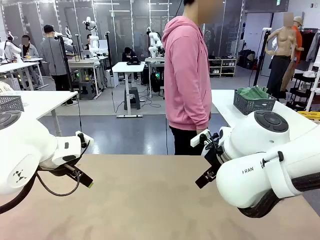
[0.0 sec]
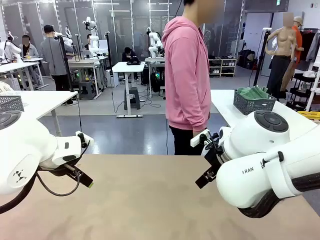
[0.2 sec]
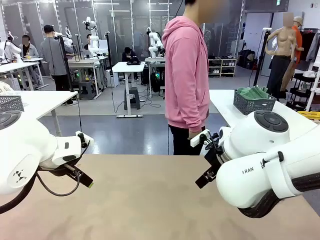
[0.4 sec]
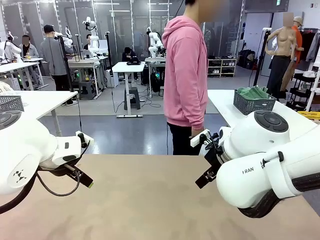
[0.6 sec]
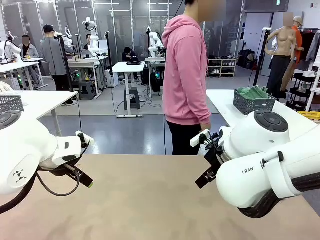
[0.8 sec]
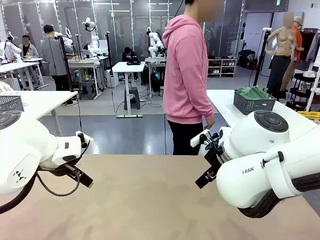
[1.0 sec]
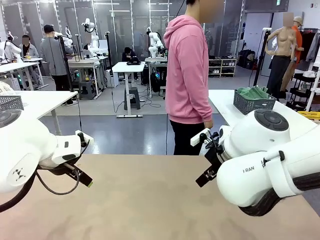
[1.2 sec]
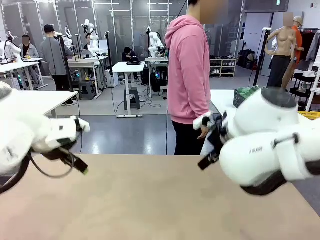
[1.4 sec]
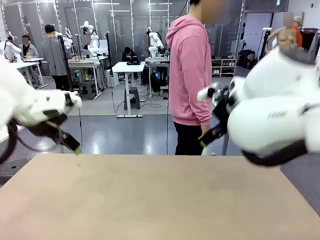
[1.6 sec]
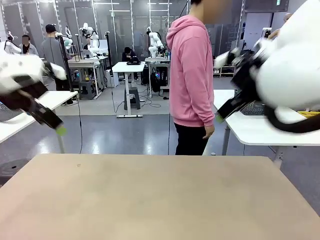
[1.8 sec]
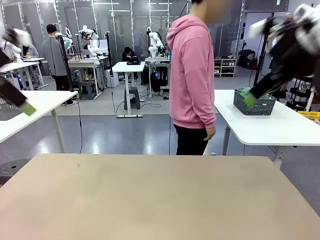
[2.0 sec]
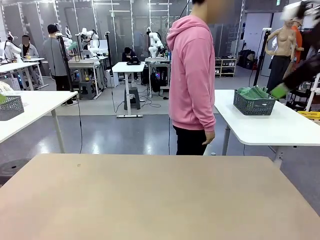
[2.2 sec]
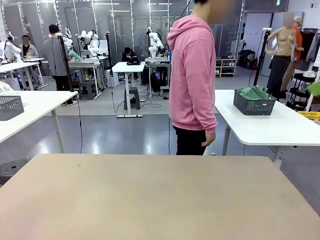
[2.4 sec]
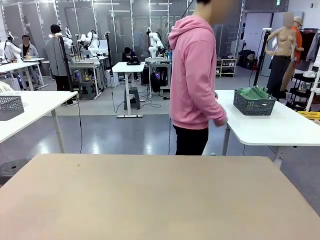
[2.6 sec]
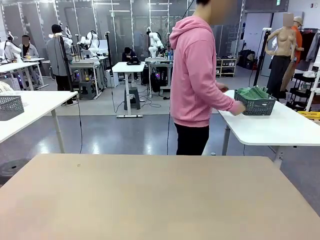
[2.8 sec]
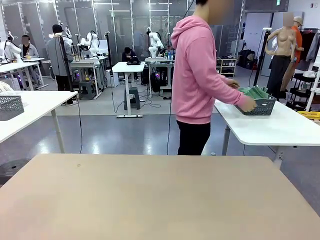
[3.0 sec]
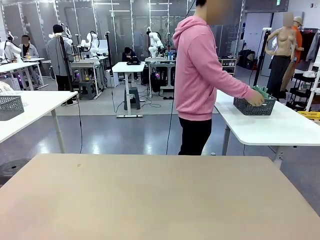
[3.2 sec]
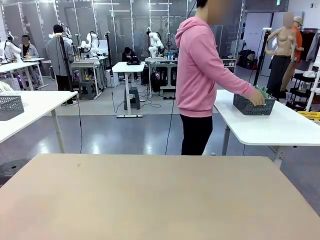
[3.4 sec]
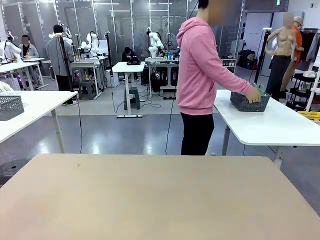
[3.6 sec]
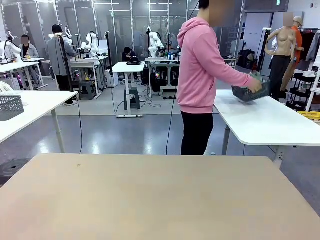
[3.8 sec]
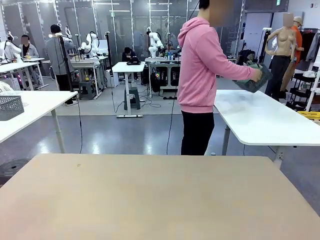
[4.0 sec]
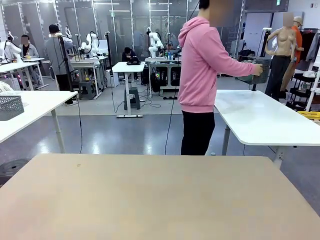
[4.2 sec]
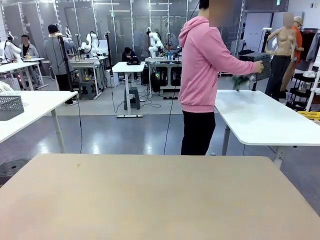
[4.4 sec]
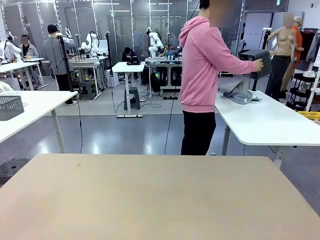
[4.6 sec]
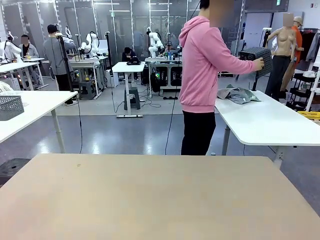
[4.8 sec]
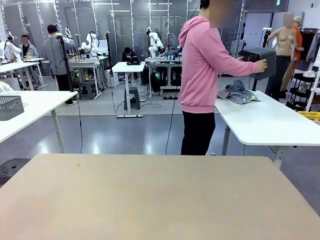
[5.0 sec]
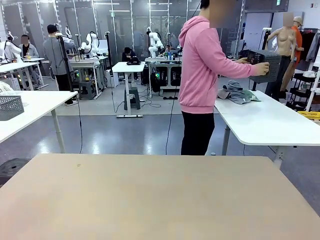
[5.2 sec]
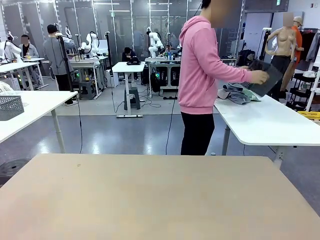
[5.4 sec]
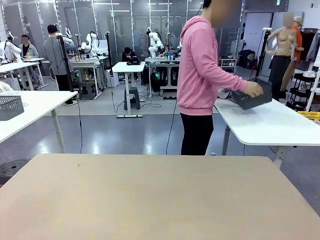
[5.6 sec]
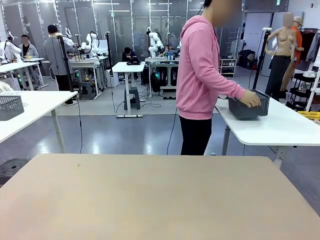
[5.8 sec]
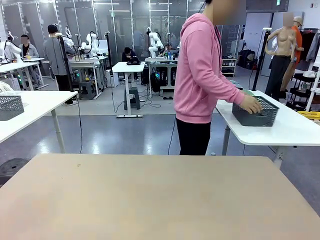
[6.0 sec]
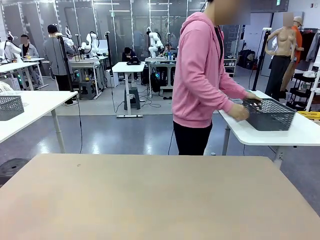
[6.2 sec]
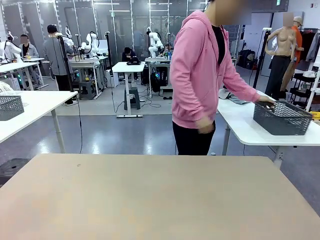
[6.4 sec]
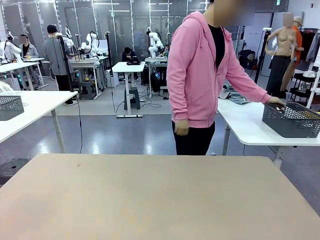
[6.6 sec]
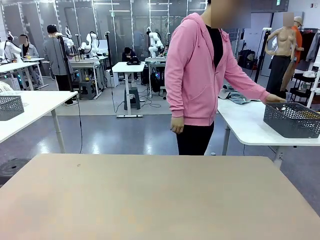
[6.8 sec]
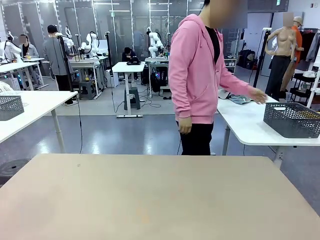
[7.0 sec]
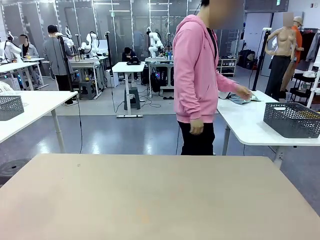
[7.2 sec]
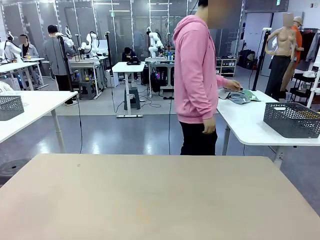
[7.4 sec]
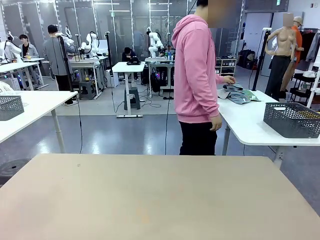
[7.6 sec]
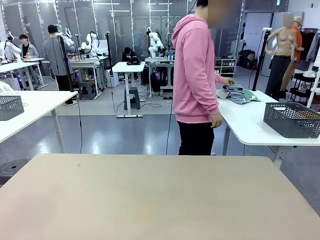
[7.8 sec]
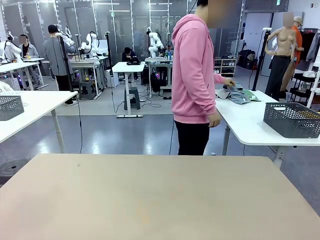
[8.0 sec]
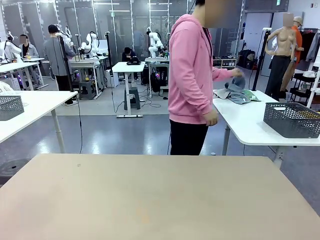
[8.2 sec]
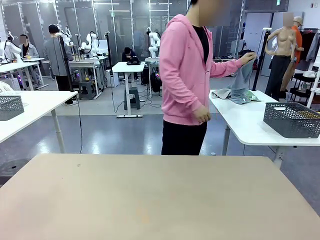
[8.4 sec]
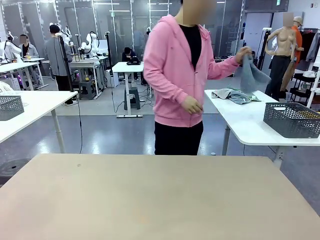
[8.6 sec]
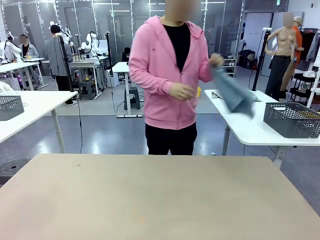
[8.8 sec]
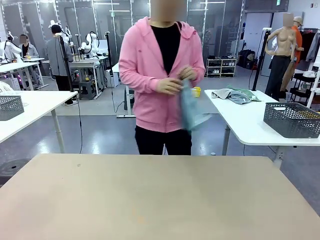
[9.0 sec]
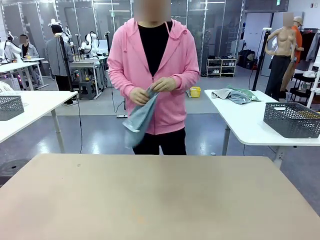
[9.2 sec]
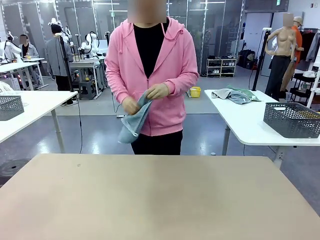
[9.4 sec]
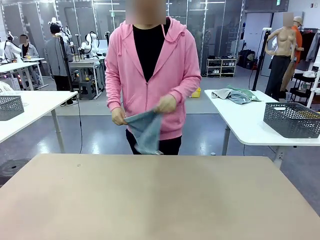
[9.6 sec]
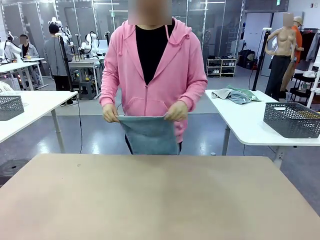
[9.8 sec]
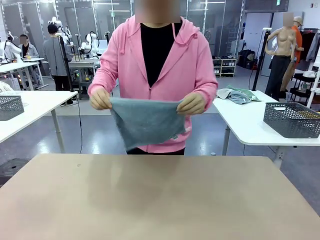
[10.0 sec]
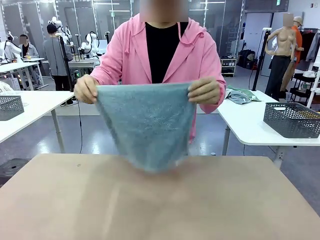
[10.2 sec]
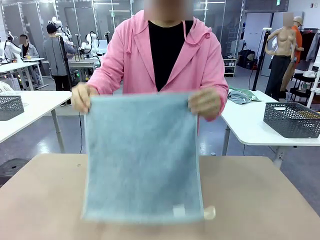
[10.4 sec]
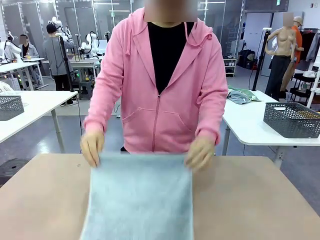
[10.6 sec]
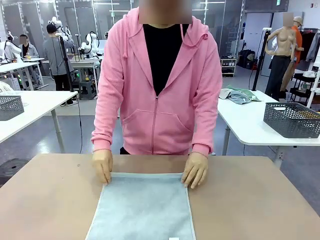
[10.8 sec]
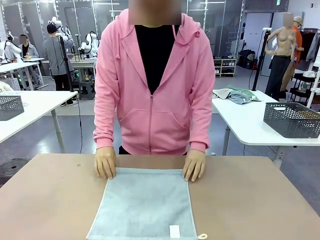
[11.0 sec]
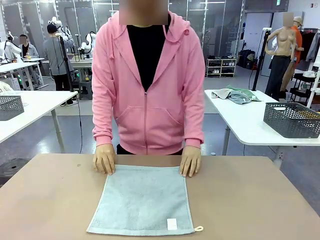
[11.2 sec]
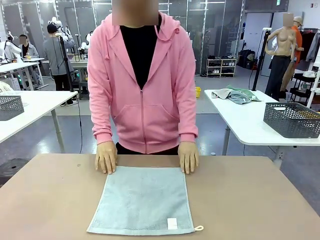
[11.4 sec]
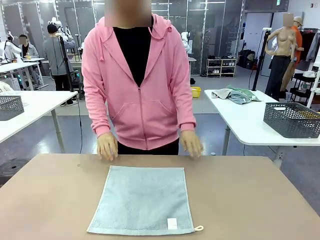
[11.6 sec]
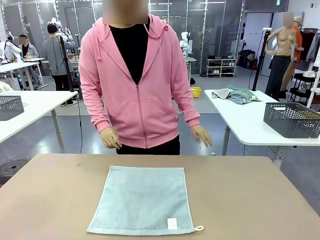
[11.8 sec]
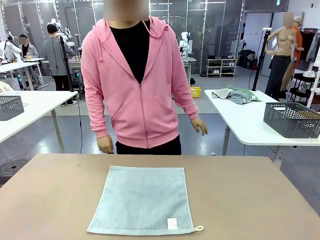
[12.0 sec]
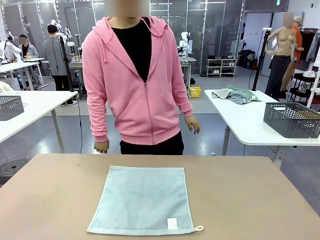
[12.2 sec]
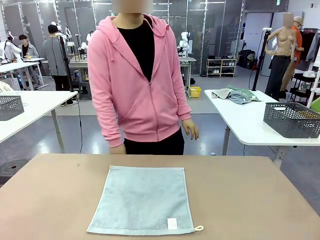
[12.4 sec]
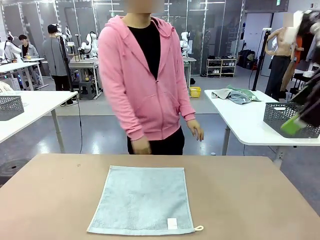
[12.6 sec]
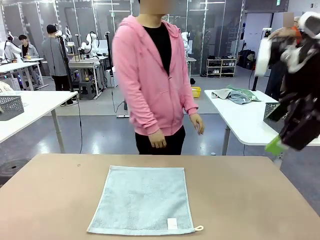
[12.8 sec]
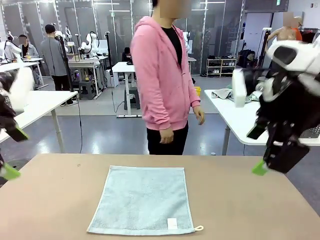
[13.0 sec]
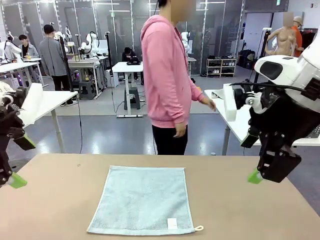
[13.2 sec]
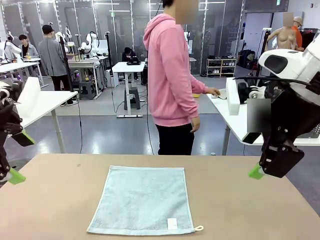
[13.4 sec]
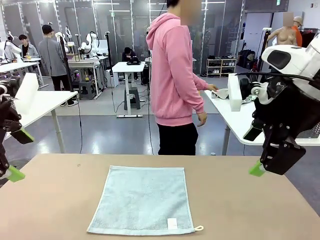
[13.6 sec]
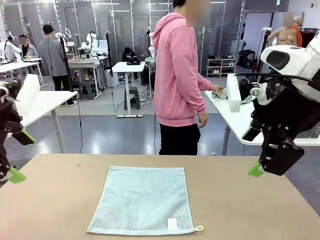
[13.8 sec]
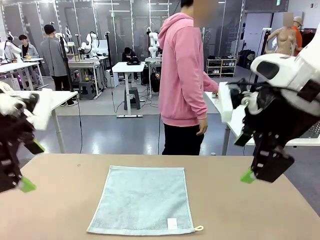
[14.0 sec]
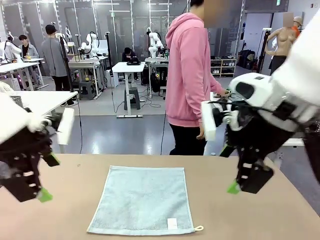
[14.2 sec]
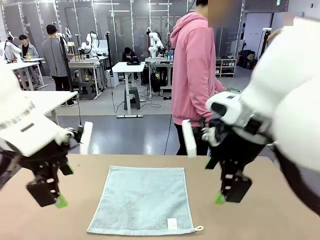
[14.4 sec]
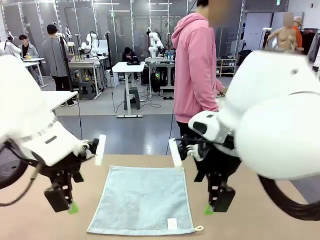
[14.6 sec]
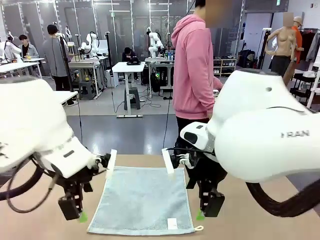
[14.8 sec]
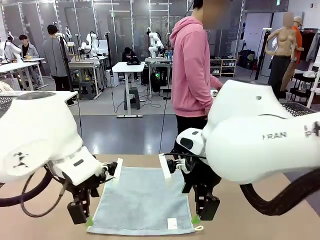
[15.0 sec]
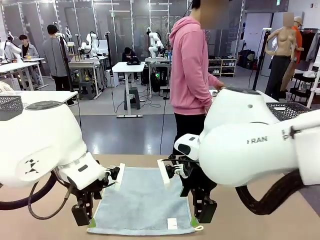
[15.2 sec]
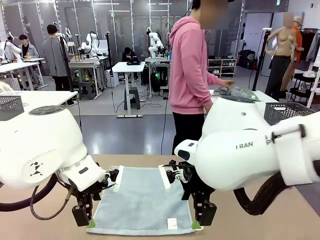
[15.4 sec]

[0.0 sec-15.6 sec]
Task: Fold the towels and place them in the basket.
Robot: When a person lays out a Towel with hook on the table, fold it in half twice.
Person: Pick up the basket, pour the towels onto the left side of the human table, and place the basket on the right side. Pick up one towel and spread it out at the center of the robot table.
